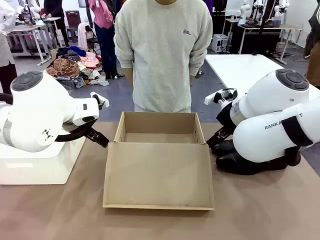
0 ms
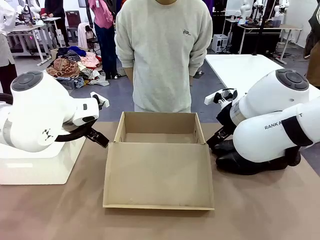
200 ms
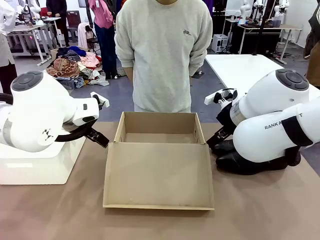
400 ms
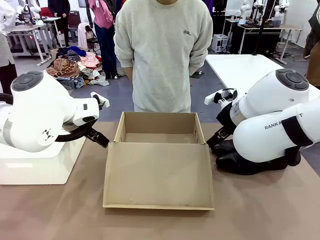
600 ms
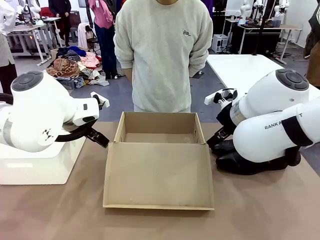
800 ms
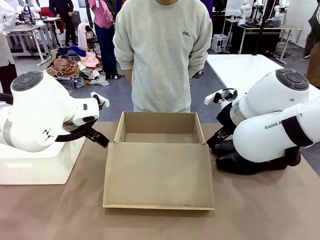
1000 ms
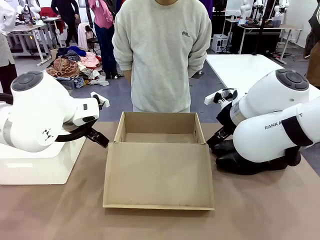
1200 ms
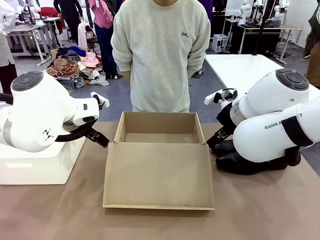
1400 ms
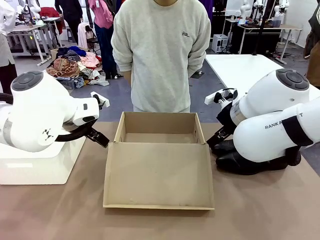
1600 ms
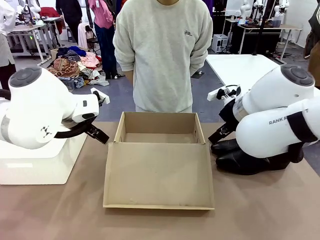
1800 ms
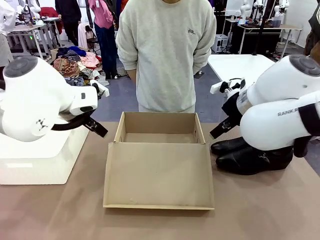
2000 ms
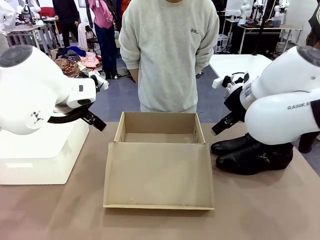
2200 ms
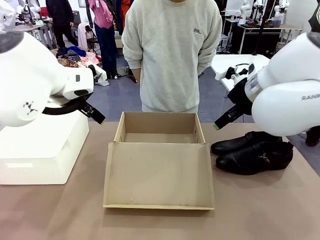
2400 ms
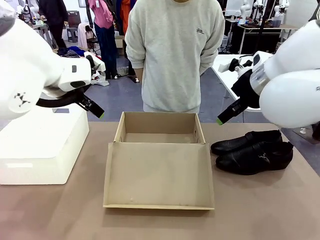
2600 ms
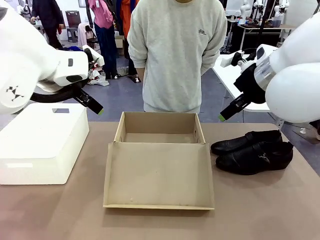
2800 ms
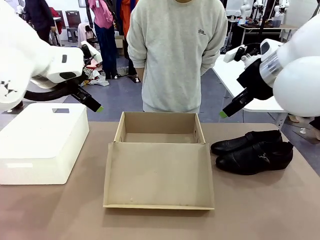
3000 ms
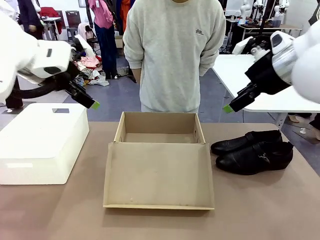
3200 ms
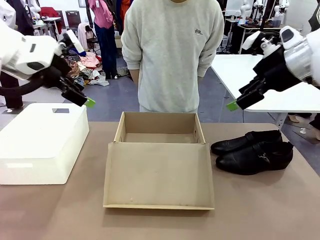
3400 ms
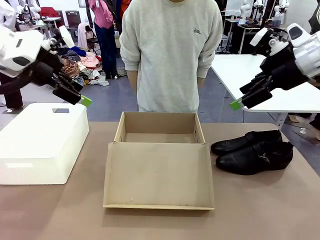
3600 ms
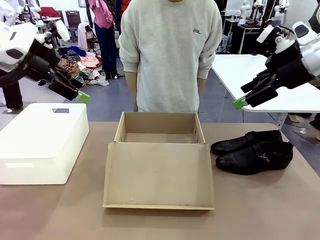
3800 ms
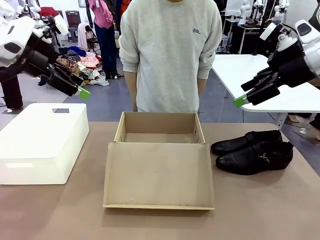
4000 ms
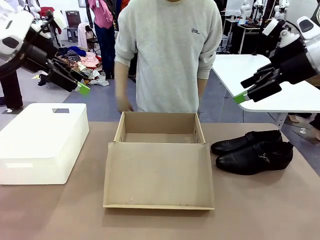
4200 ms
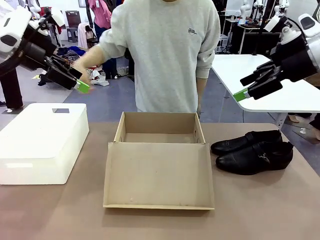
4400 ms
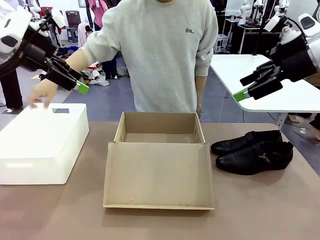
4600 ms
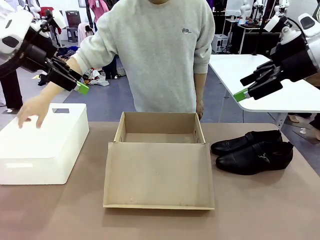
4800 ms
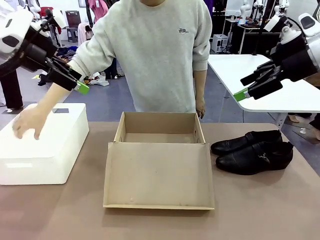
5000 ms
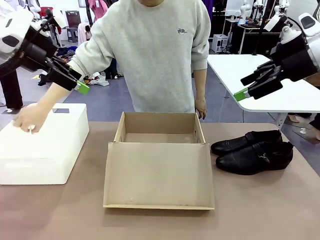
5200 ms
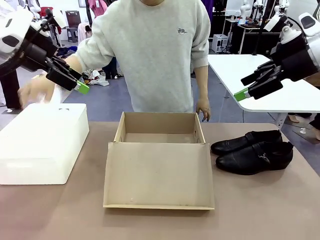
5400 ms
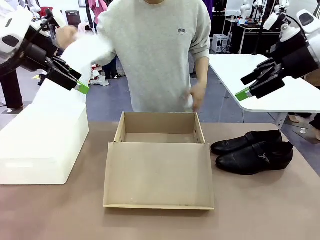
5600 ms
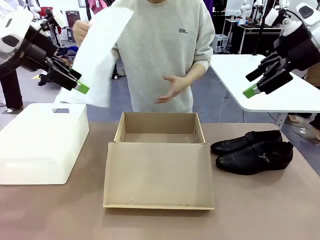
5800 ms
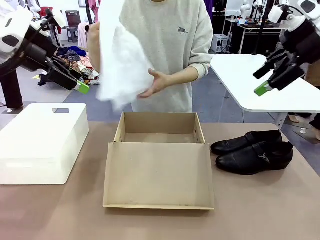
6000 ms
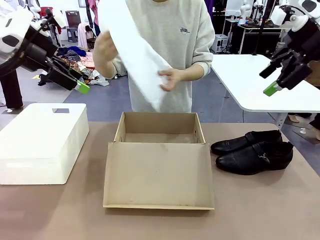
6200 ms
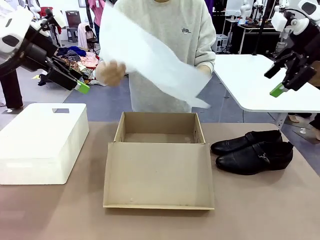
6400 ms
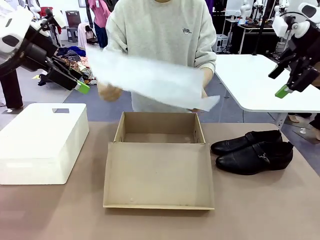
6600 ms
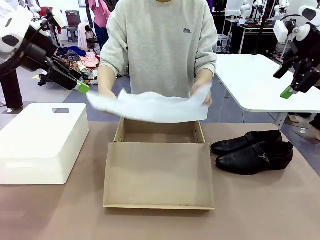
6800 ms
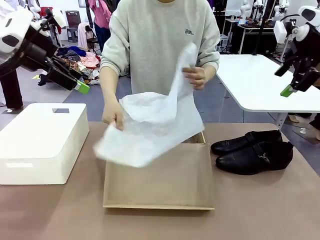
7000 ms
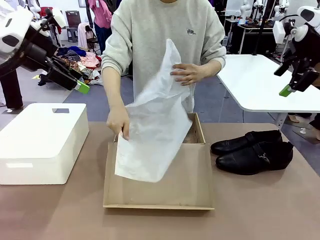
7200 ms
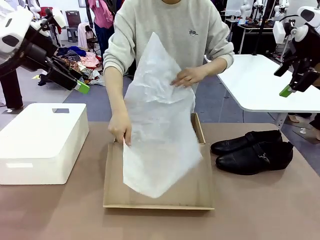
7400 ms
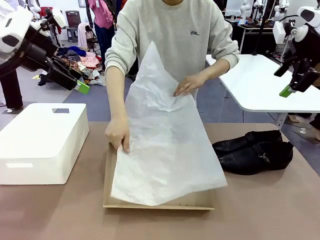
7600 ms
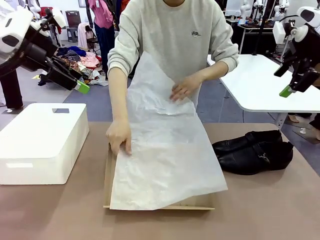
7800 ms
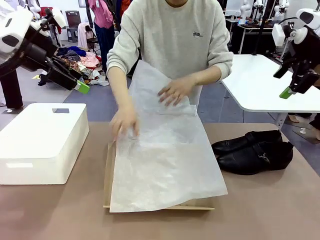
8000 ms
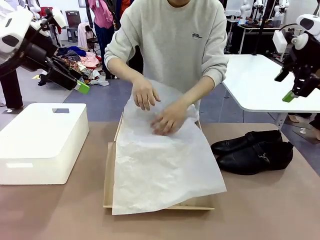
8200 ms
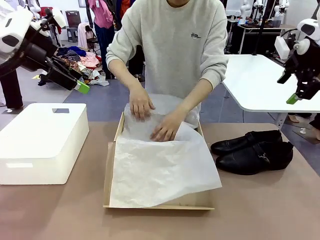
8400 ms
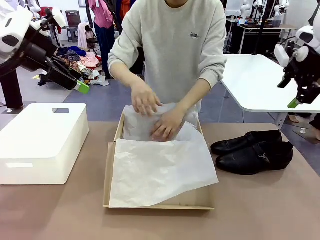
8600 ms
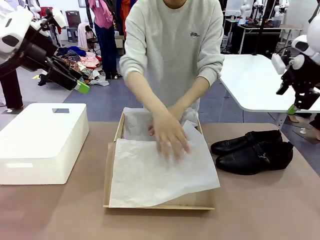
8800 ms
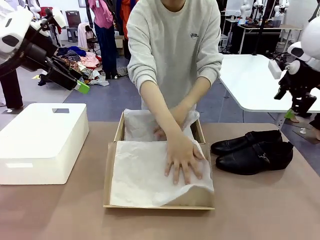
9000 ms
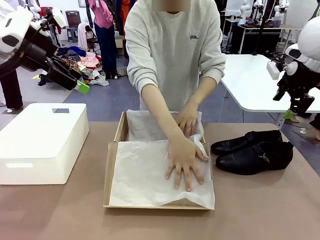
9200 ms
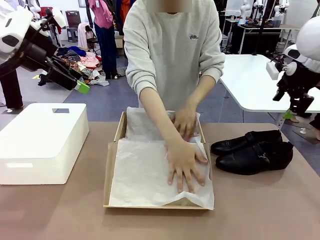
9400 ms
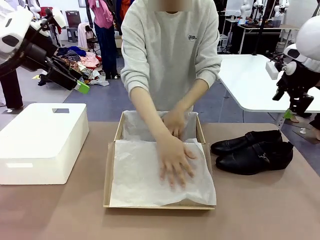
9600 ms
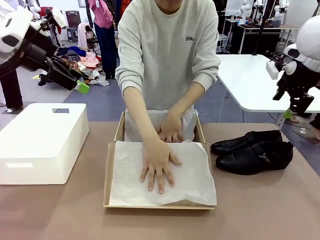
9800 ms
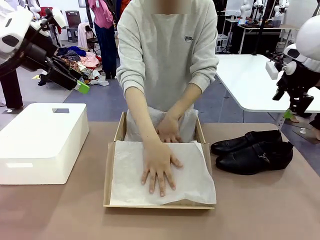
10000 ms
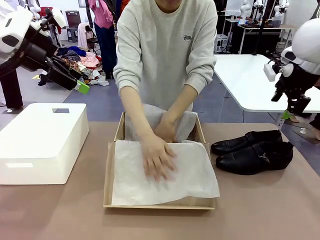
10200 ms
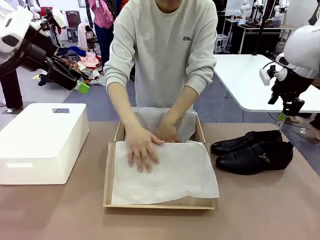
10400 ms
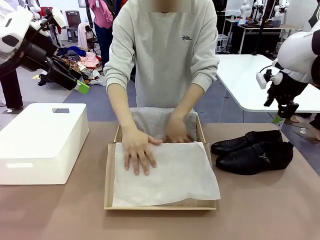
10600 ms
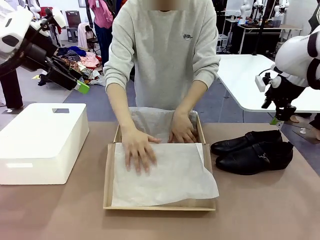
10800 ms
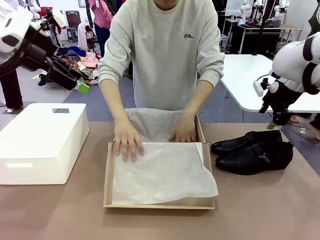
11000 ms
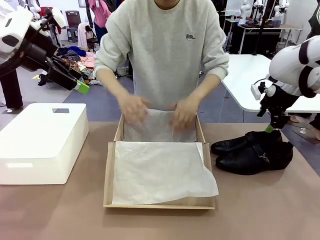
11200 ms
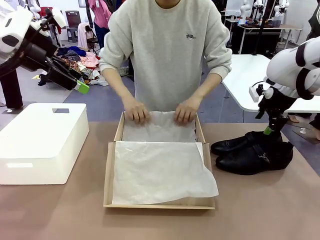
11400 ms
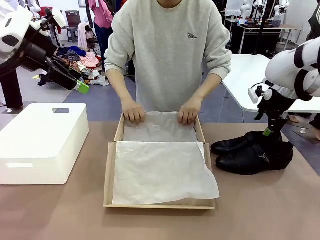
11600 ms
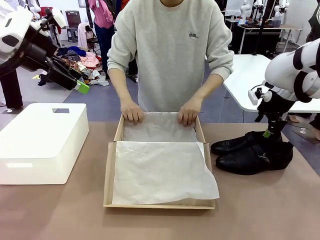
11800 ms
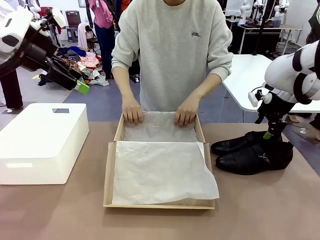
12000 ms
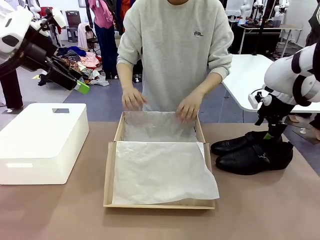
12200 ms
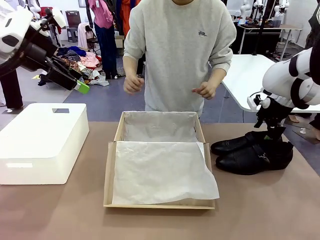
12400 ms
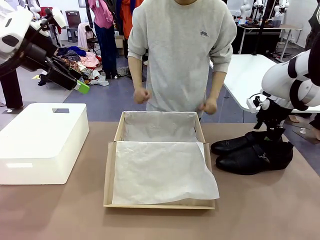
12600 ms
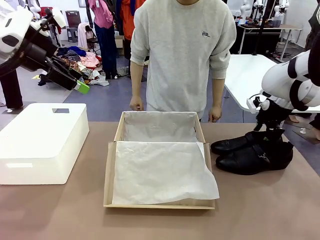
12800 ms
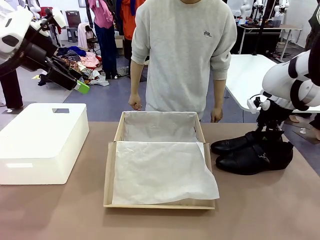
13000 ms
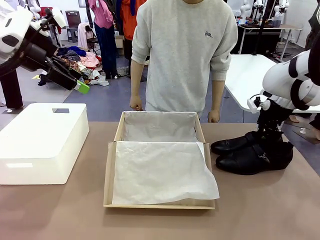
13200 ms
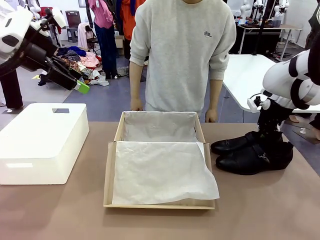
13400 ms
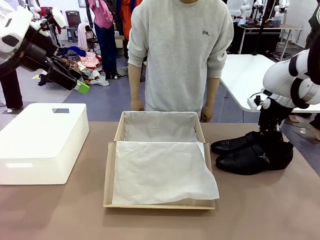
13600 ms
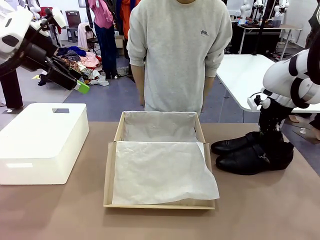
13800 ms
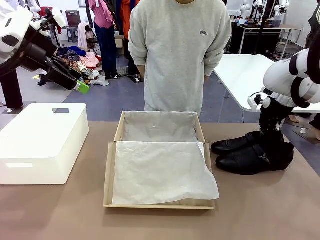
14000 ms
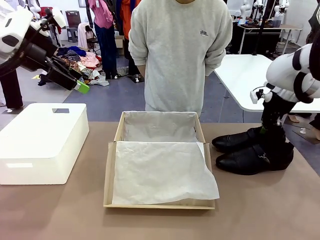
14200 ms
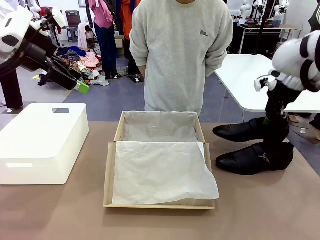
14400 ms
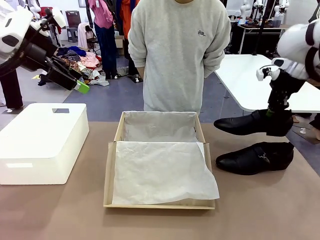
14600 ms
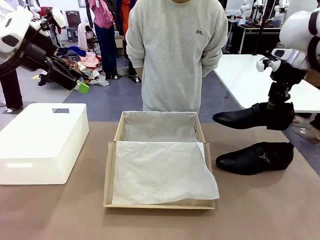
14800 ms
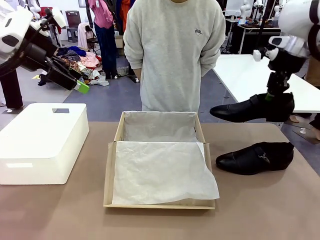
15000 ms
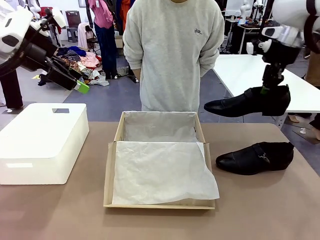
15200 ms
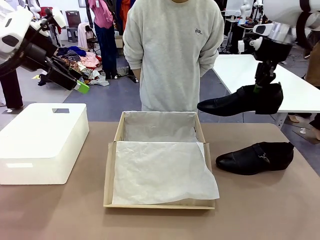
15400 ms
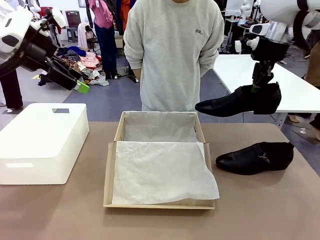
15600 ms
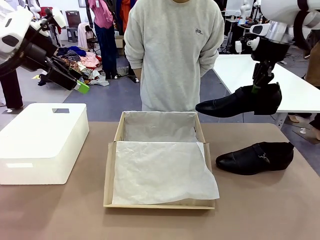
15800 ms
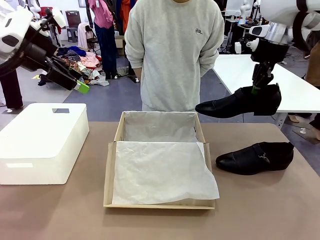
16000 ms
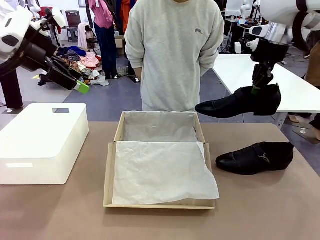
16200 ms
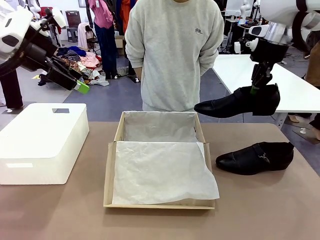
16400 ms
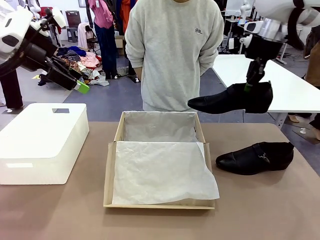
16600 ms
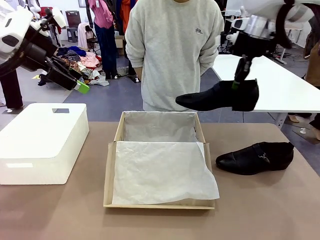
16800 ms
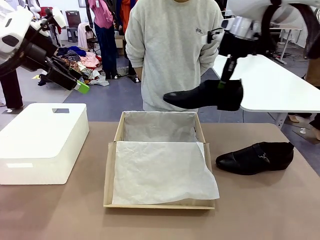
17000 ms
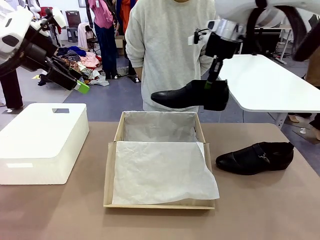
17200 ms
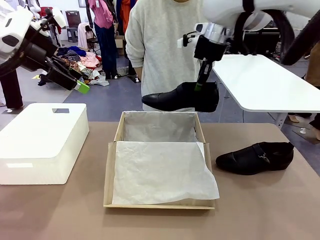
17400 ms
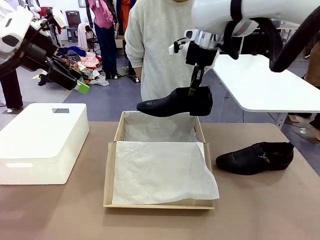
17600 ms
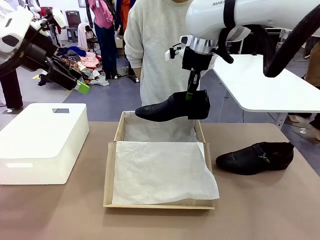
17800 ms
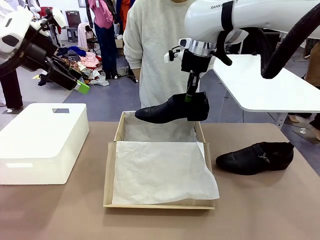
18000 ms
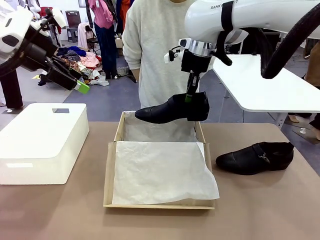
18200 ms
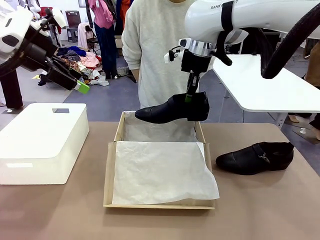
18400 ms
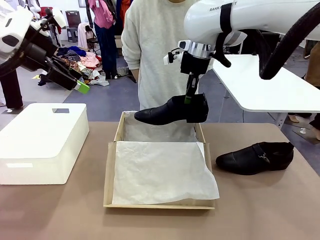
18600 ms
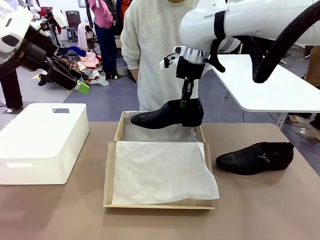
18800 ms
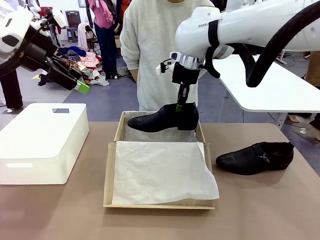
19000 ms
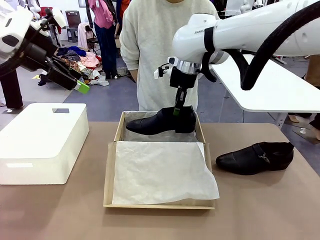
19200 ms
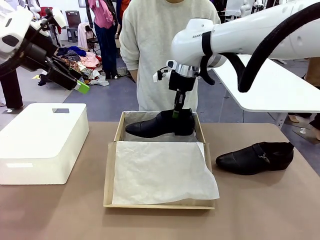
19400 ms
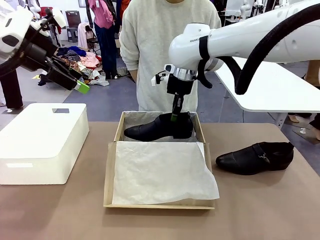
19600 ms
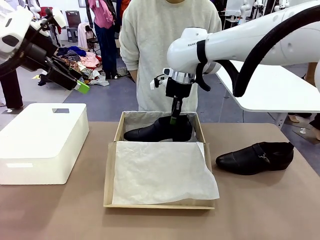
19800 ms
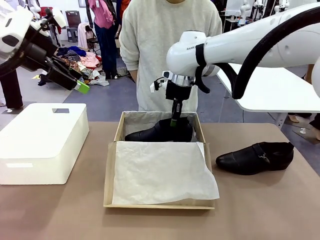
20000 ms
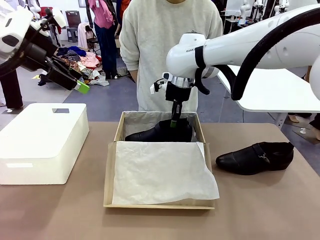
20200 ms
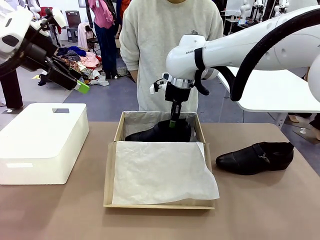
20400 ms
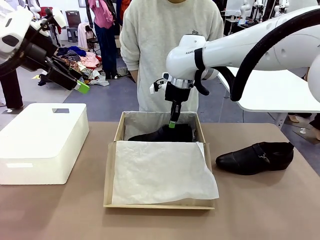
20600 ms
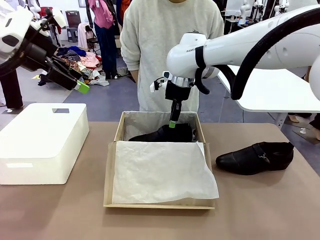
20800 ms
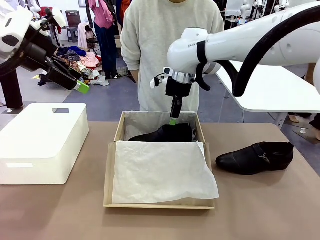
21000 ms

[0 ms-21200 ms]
Task: Pack the shoes into the box.
Robot: Place one shoe of the Shoes into the Shoes Box.
Person: Spread Shoes Wrapping Paper and place inside the Shoes Box.
